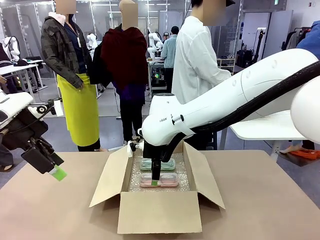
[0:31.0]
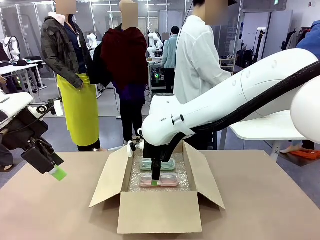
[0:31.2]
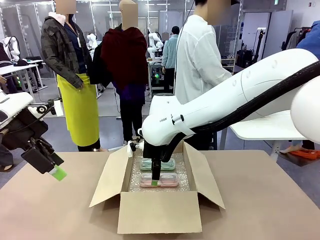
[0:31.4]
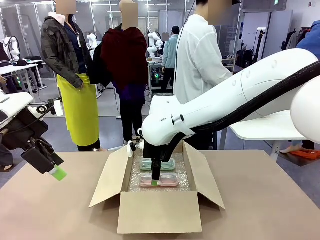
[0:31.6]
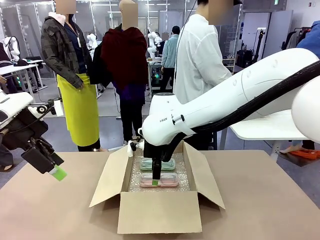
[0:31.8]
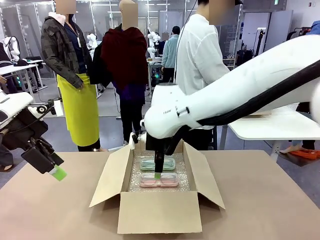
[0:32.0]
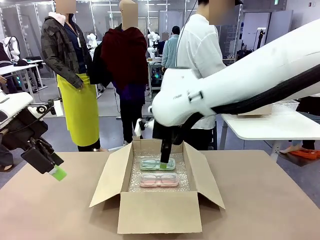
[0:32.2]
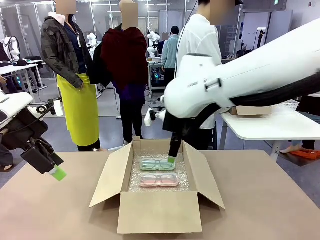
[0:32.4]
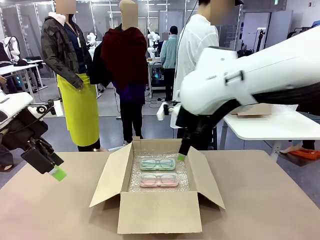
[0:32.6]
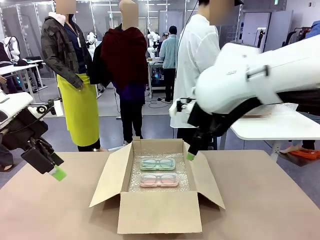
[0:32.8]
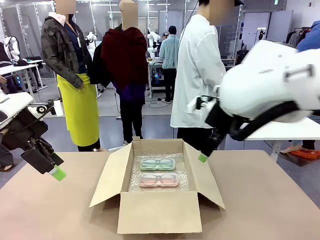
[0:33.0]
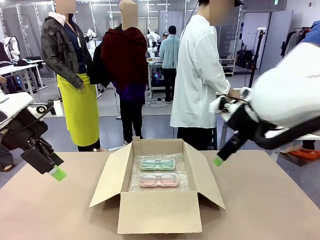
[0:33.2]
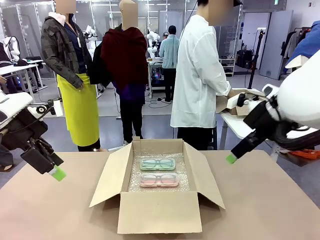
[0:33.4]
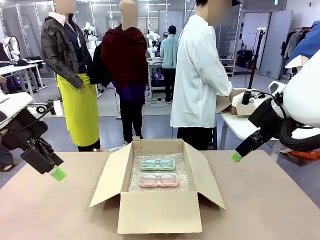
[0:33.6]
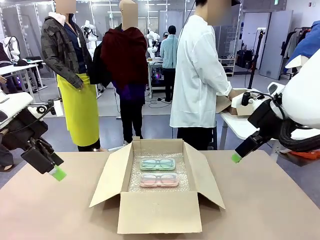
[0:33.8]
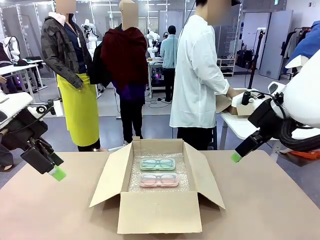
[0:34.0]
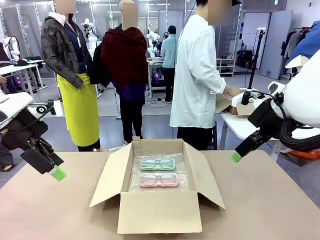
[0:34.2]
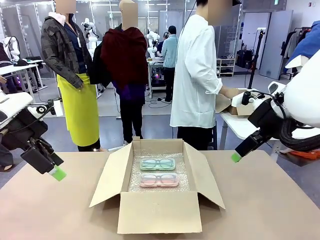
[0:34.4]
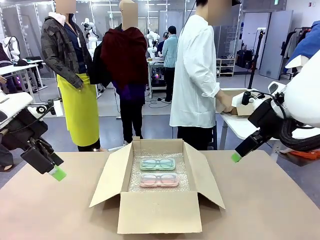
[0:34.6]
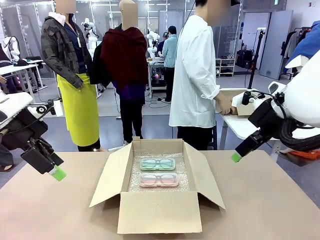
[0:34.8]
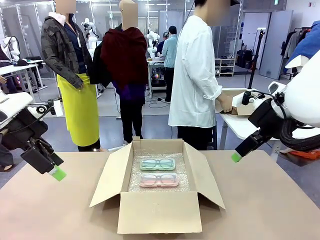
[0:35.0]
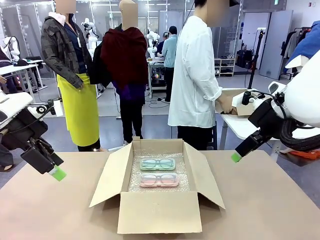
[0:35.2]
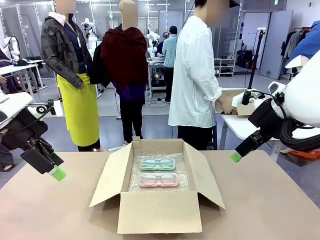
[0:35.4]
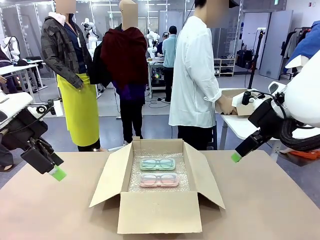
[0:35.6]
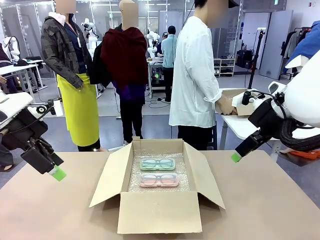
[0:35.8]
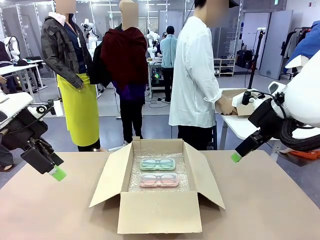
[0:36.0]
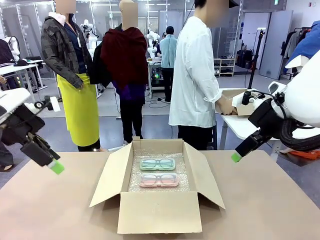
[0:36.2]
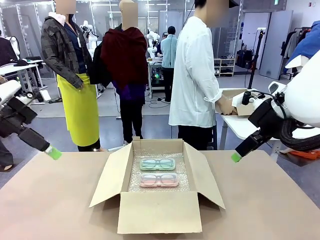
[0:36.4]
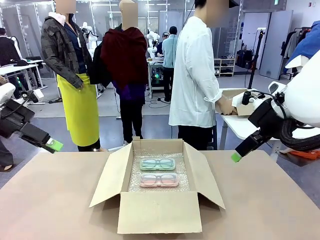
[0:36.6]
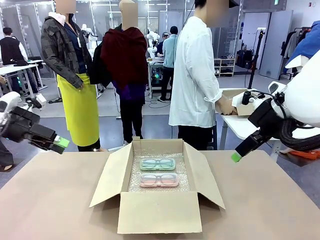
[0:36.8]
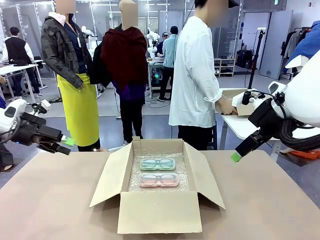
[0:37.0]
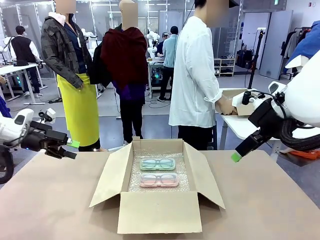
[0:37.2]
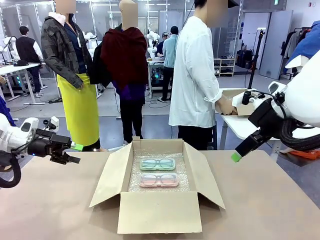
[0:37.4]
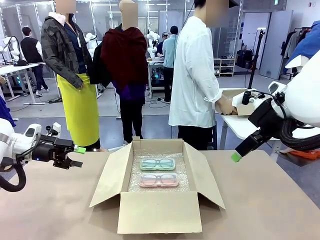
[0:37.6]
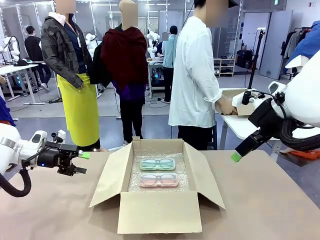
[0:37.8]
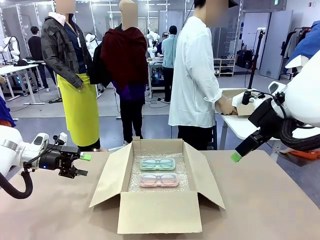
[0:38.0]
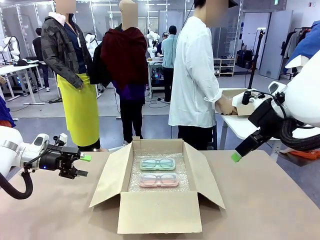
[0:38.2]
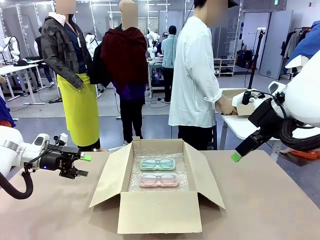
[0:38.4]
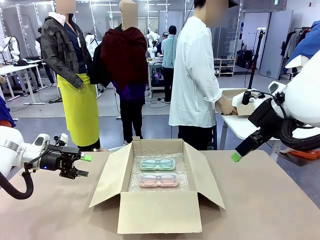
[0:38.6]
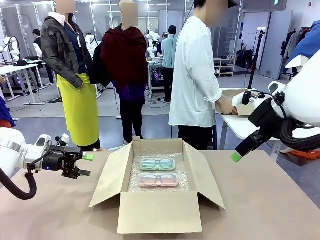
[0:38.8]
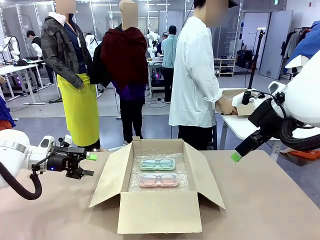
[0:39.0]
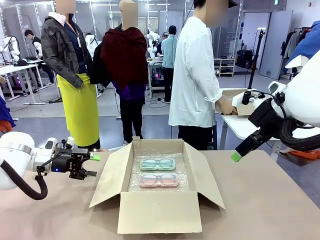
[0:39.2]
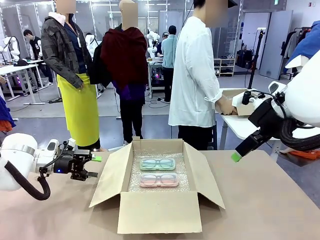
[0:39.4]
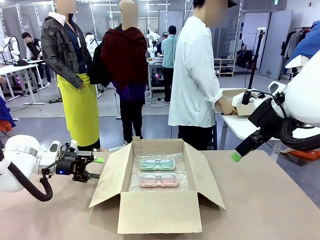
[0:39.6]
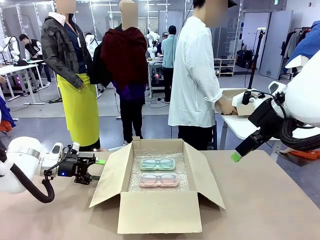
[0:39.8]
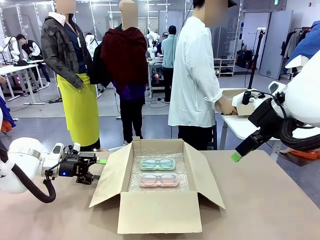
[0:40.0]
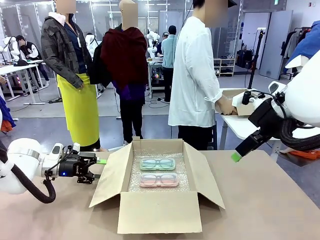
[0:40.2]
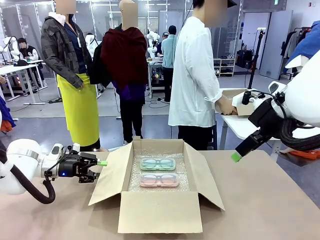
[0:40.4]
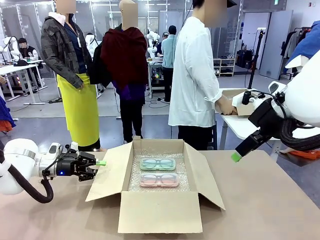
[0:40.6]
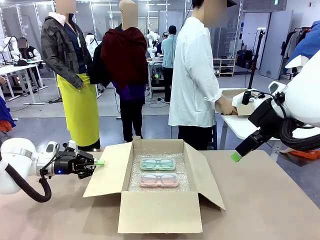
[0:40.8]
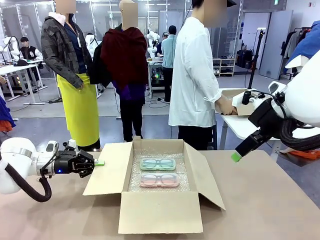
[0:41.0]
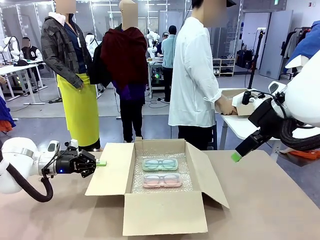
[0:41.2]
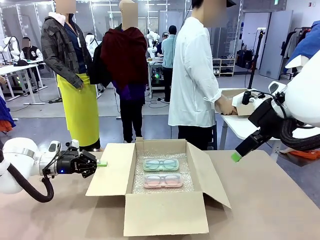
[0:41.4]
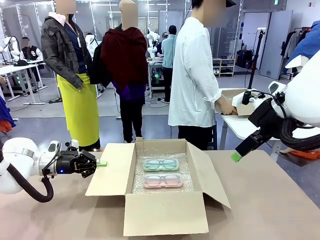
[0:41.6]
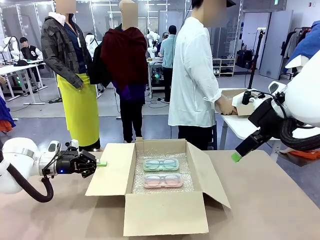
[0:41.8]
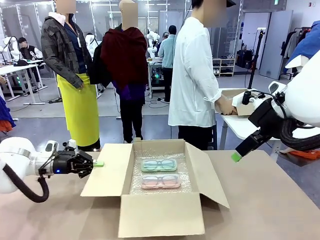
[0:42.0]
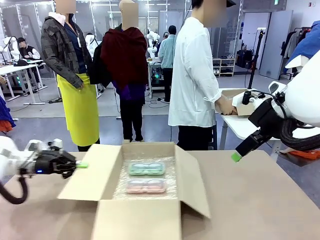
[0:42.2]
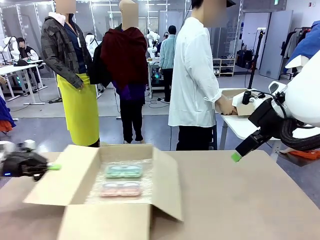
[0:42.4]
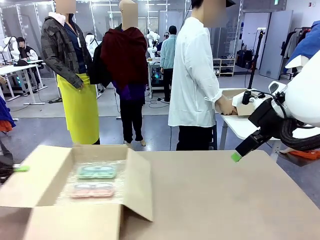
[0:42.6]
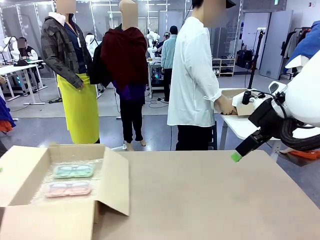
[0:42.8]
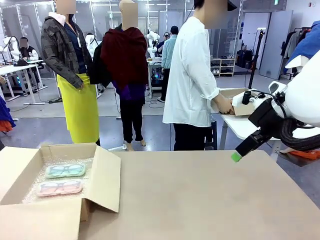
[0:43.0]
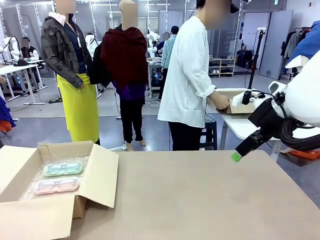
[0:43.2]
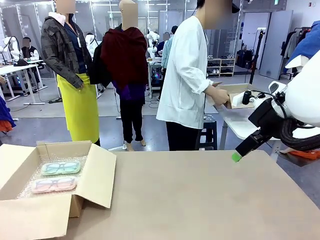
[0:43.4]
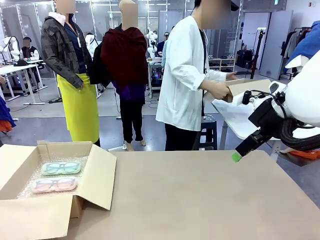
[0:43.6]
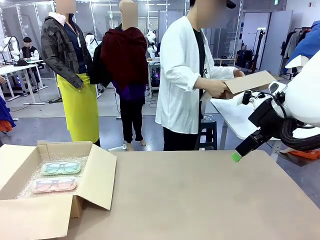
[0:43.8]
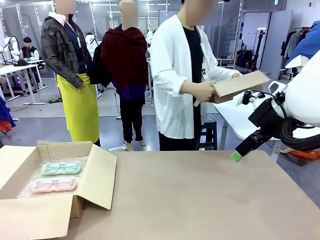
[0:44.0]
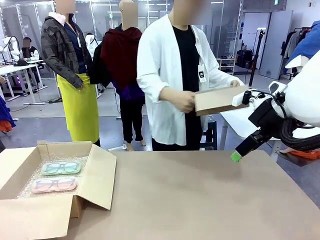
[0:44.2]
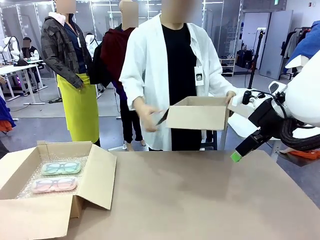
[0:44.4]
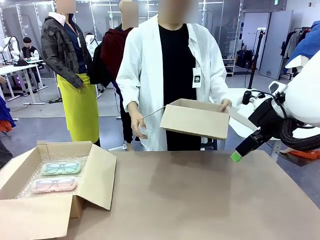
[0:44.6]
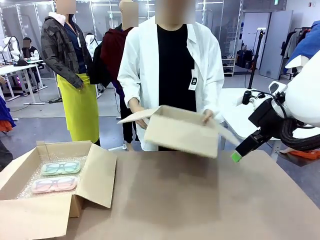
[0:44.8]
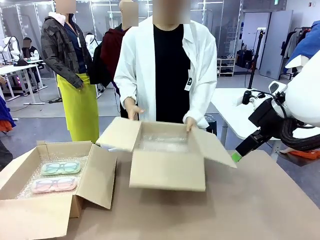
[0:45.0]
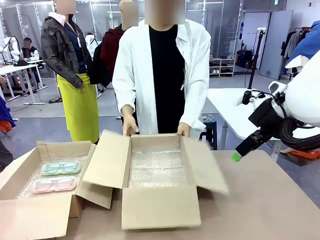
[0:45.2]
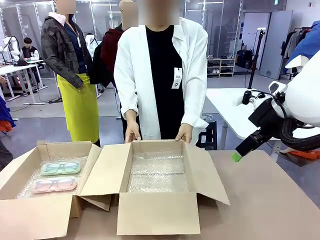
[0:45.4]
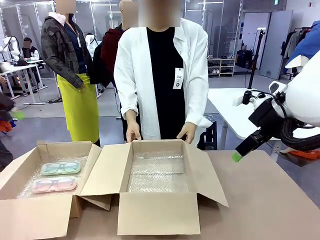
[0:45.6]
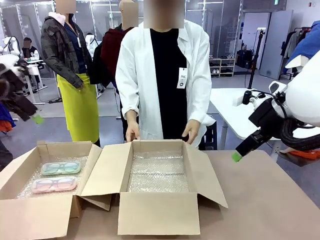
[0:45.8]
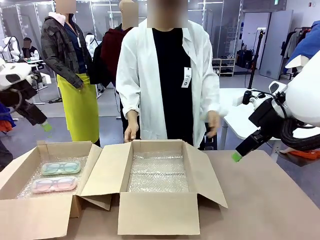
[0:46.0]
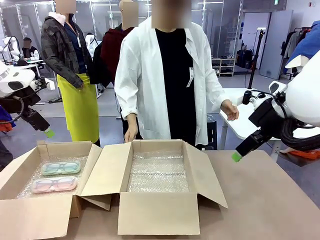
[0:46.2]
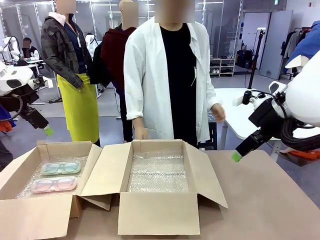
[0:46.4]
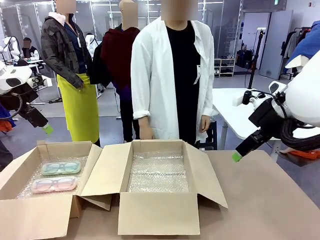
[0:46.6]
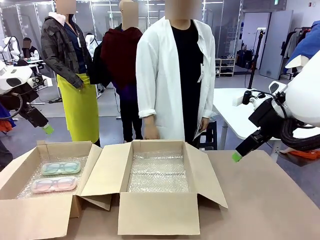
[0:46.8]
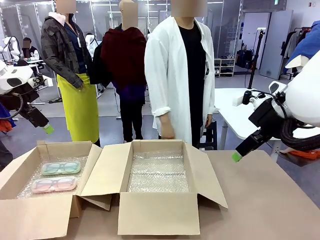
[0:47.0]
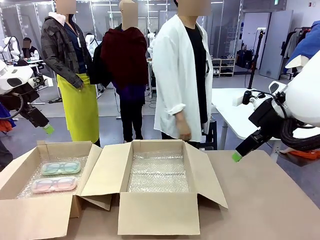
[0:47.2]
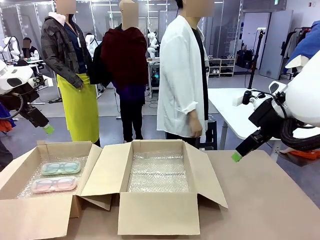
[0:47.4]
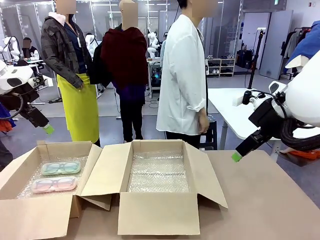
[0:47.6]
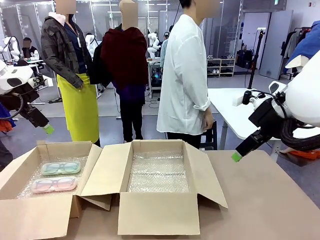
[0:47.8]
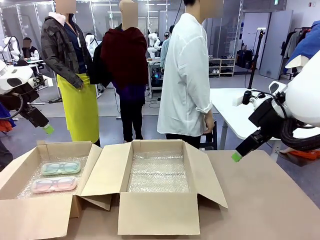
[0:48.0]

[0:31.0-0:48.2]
Task: Pack the glasses set securely to prepare it for shipping.
Robot: Position the Package Box on the left side of the table.
Person: Position the empty Package Box in the middle of the robot's table.
